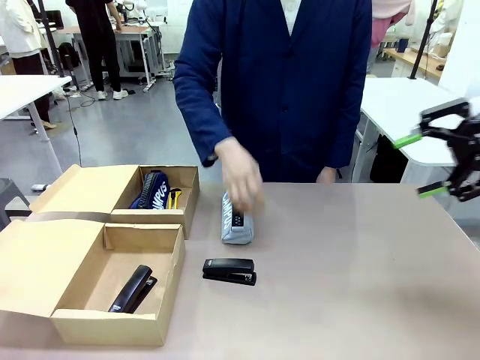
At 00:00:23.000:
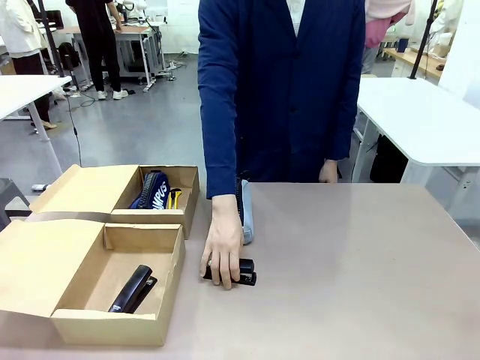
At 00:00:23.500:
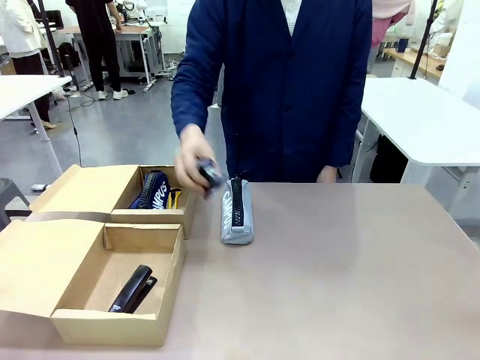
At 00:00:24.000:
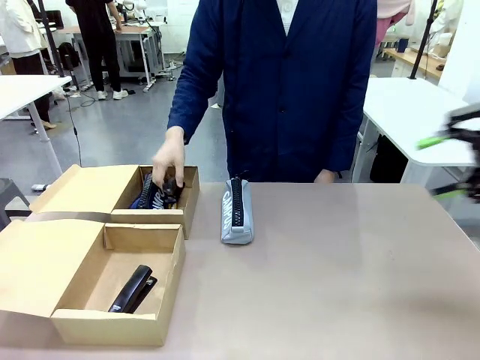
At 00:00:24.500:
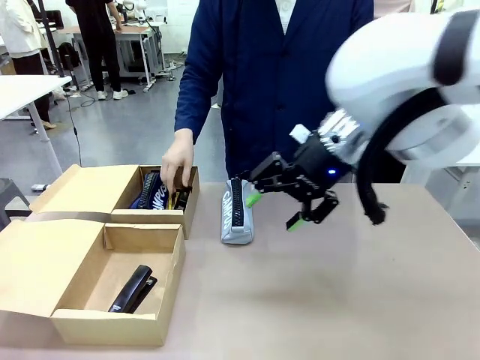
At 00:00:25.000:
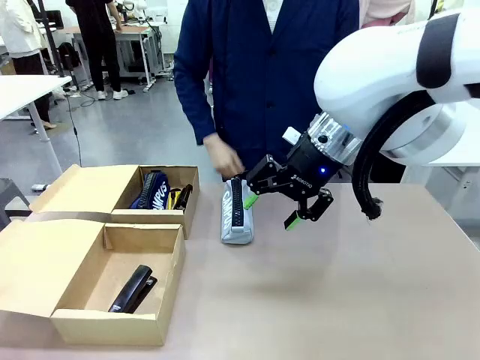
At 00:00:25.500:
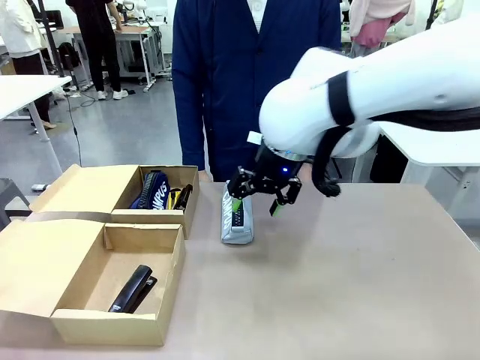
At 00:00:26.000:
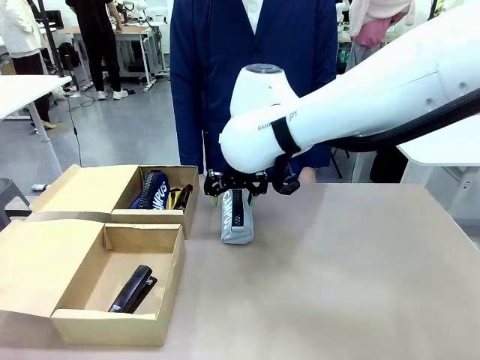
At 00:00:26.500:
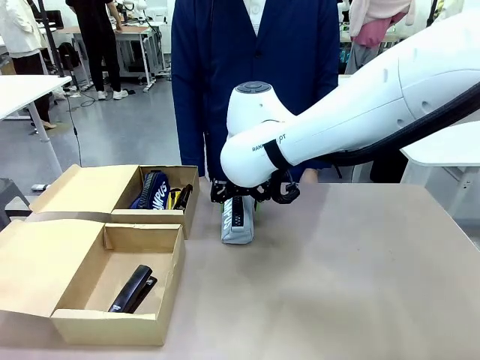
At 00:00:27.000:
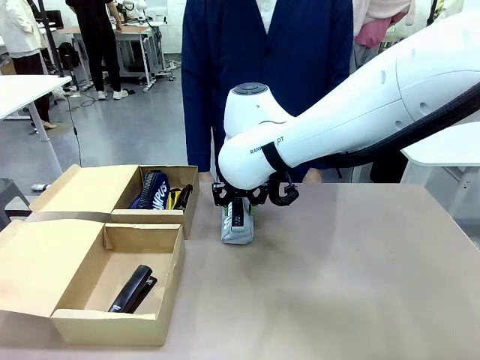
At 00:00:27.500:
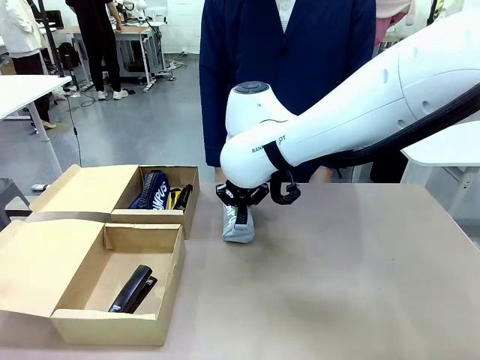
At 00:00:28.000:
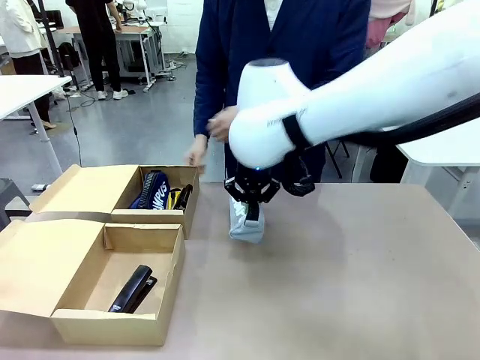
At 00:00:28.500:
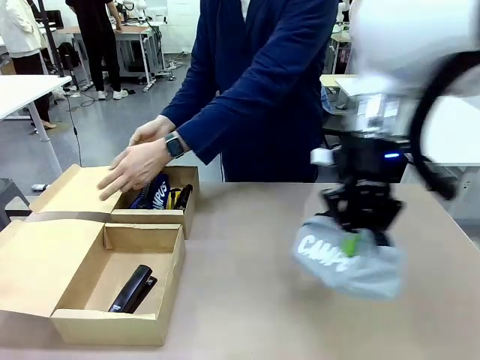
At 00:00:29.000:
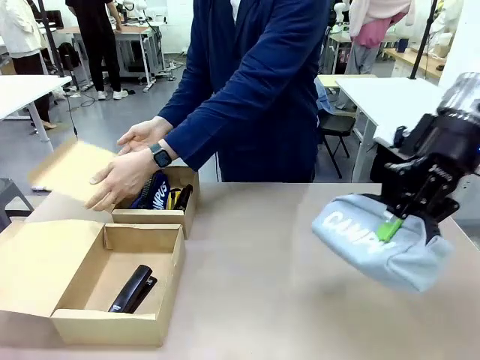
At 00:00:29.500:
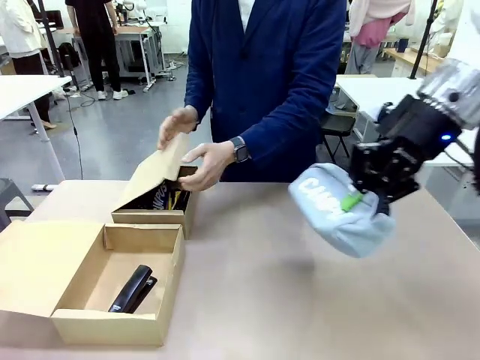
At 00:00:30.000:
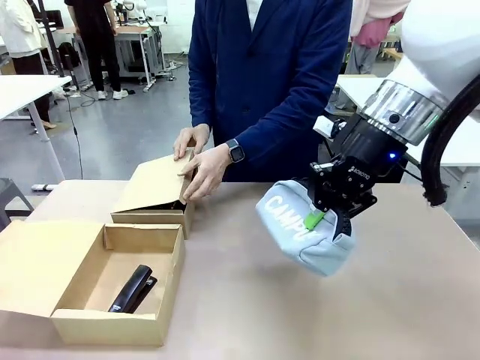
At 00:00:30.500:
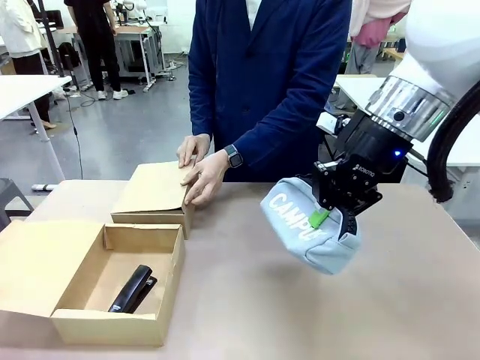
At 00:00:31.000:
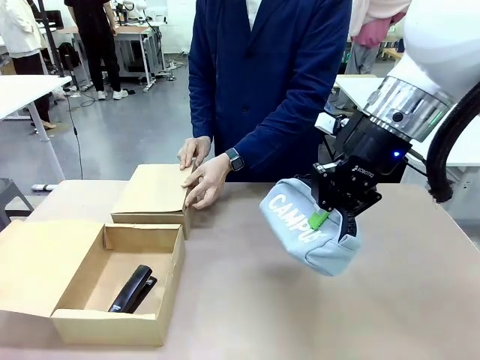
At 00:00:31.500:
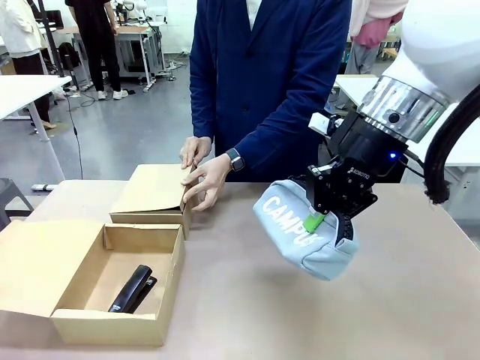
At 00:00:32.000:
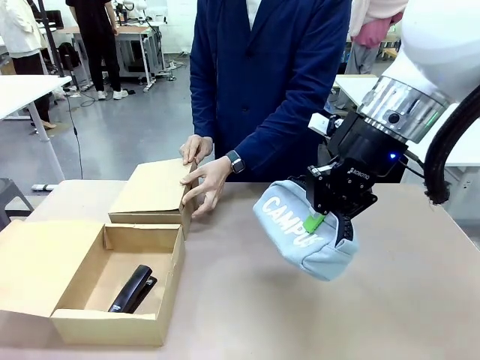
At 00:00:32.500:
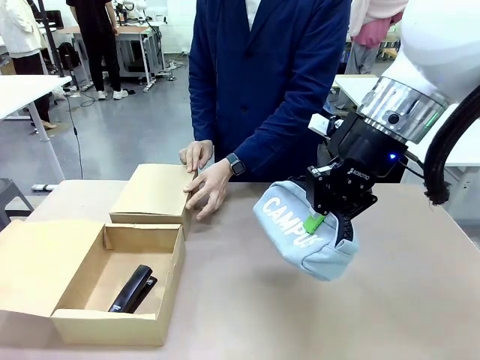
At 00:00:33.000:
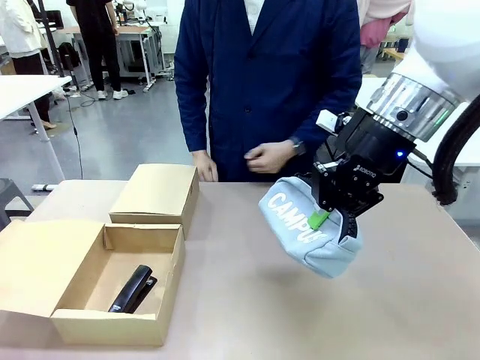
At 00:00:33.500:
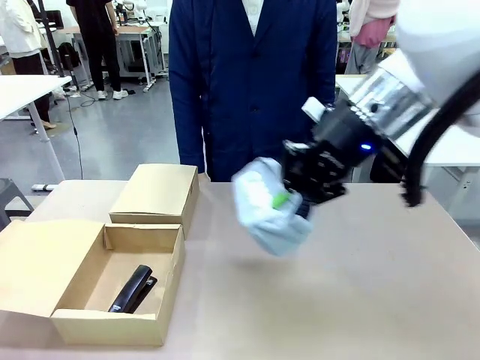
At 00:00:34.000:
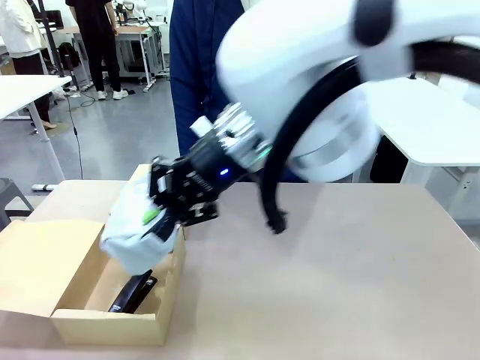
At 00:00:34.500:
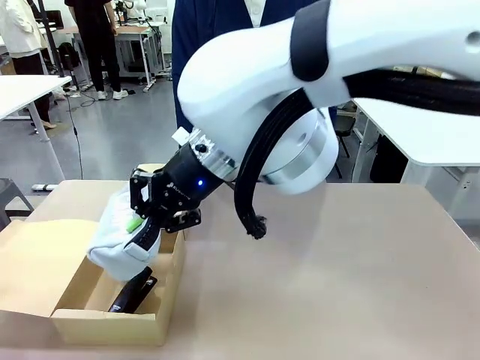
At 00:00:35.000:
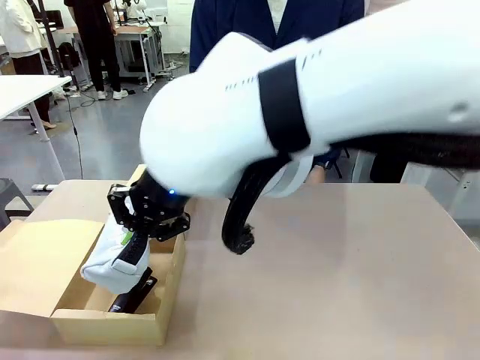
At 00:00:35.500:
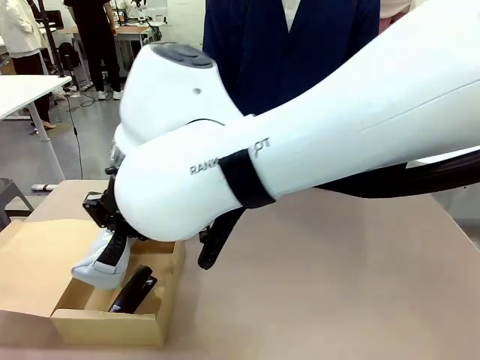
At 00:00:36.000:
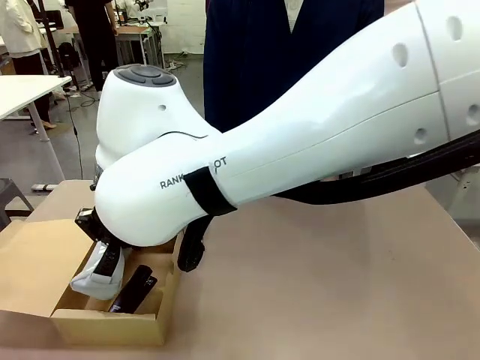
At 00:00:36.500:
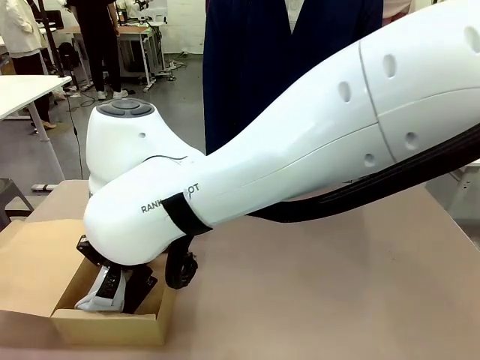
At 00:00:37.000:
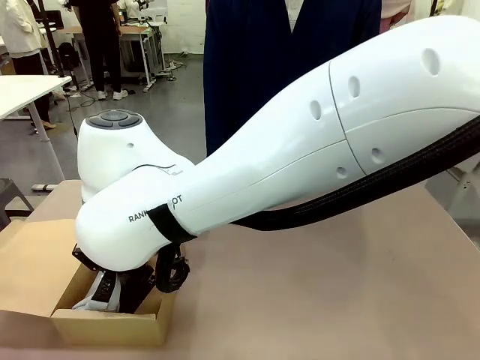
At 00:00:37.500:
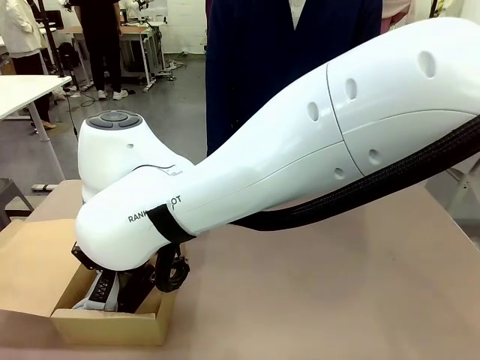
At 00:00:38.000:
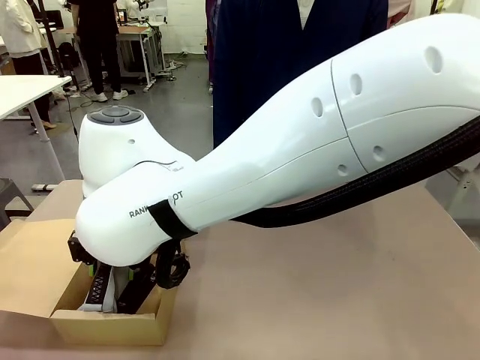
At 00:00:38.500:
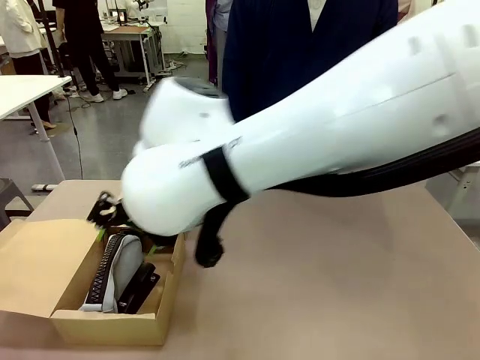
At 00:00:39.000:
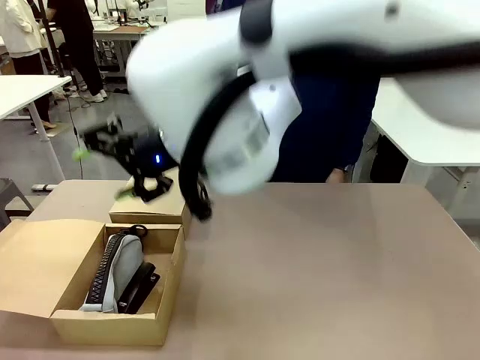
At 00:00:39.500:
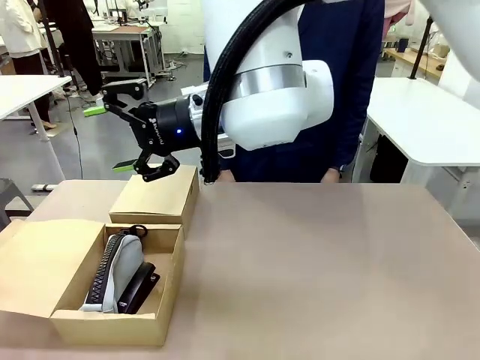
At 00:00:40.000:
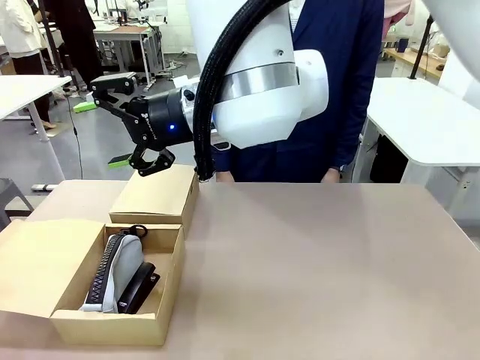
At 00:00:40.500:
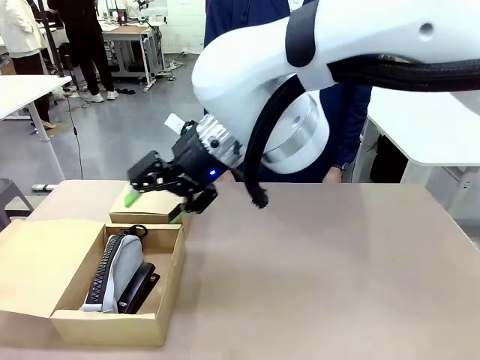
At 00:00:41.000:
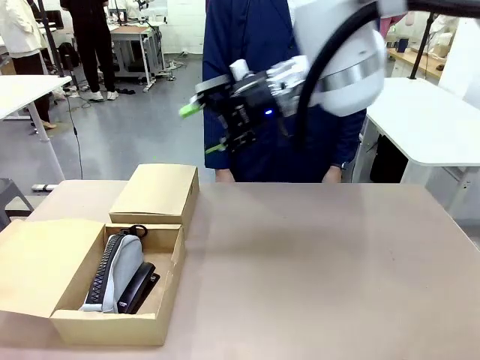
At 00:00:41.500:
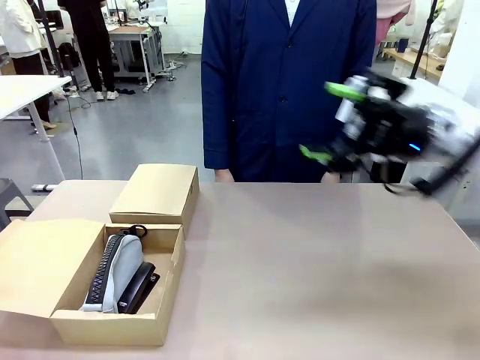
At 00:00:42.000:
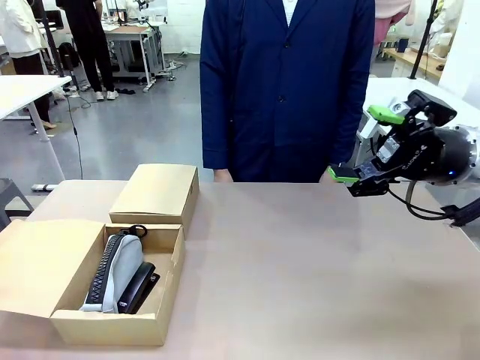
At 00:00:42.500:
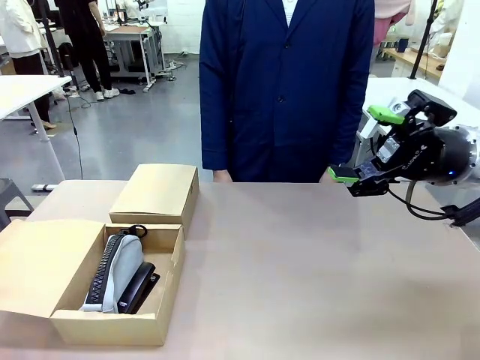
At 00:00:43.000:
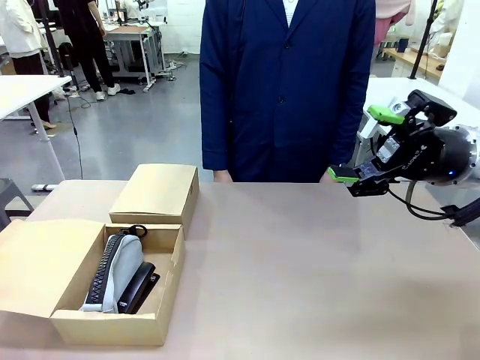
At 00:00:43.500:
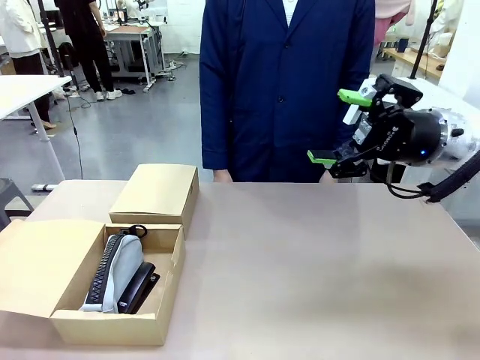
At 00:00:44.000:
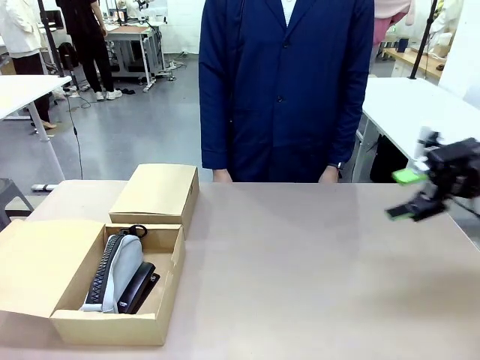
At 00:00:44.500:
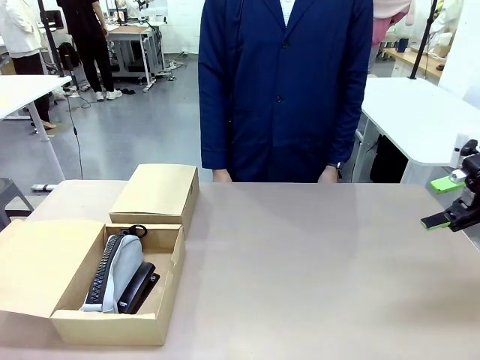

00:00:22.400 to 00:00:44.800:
Task: Place items inside the box.
Robot: Pick up a Pencil pouch or Stapler and place it inside the Mailer Box closest to the robot.
Person: Close the lid of the box facing the person.
